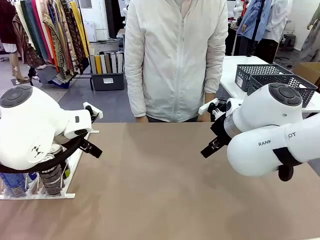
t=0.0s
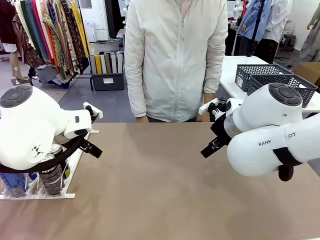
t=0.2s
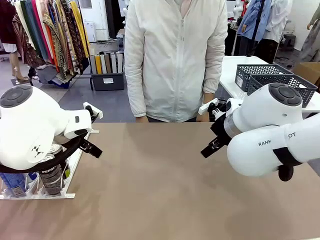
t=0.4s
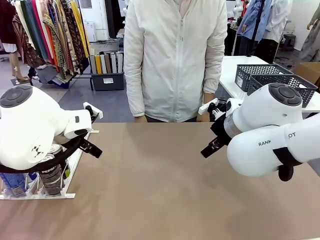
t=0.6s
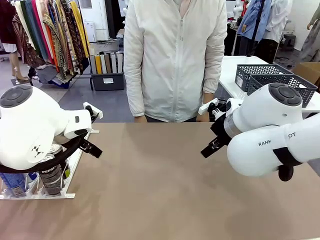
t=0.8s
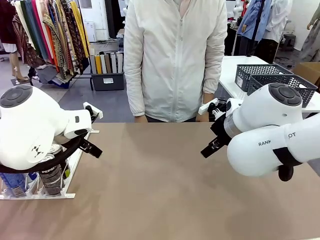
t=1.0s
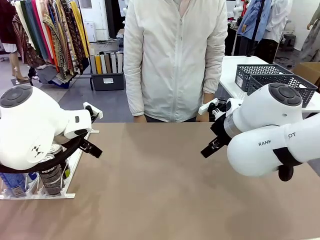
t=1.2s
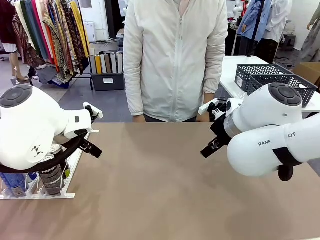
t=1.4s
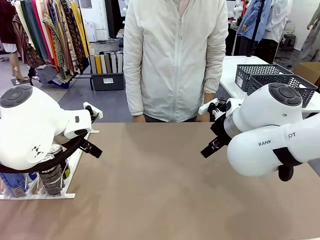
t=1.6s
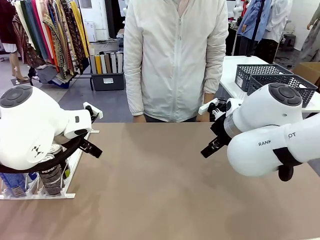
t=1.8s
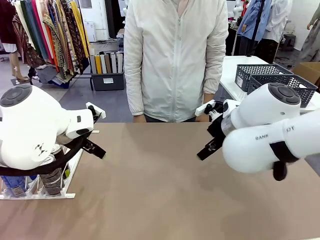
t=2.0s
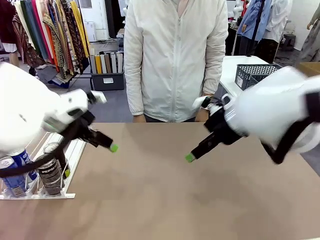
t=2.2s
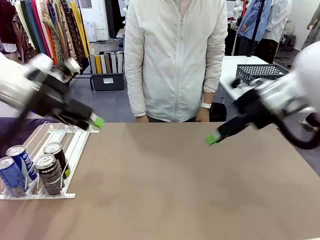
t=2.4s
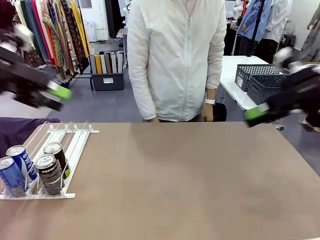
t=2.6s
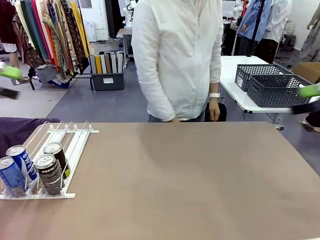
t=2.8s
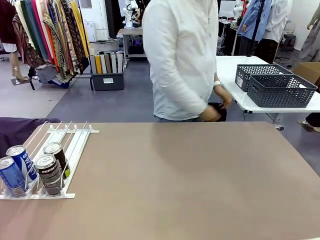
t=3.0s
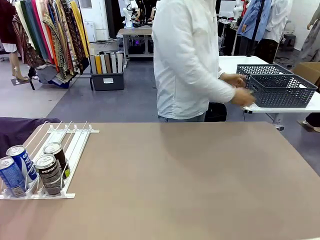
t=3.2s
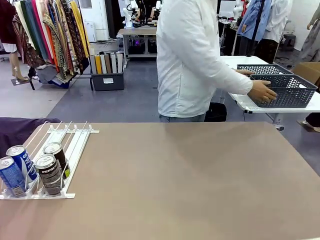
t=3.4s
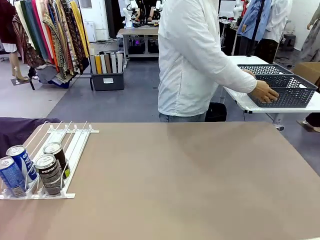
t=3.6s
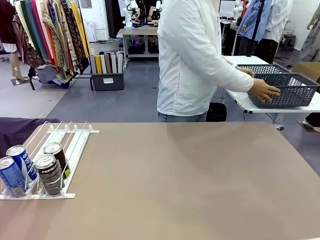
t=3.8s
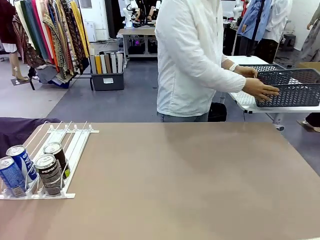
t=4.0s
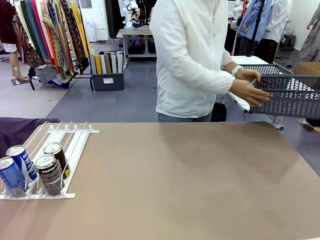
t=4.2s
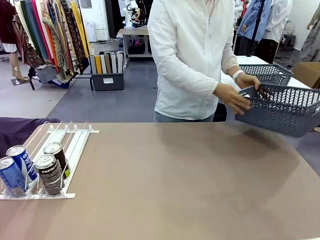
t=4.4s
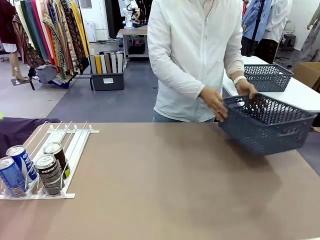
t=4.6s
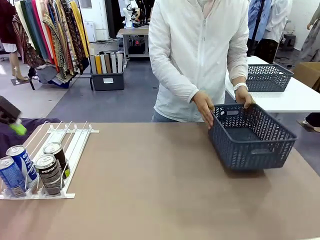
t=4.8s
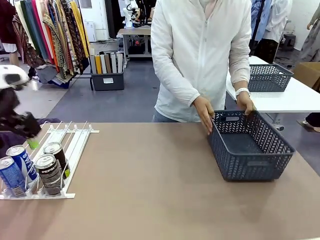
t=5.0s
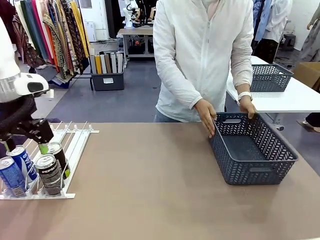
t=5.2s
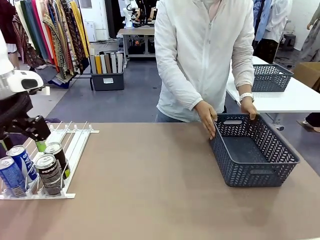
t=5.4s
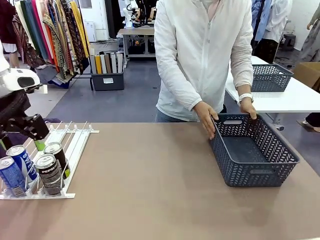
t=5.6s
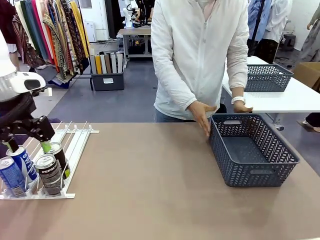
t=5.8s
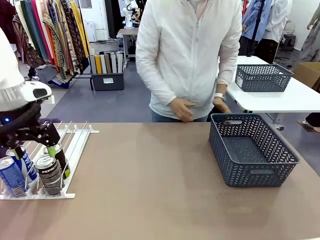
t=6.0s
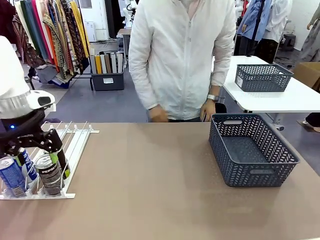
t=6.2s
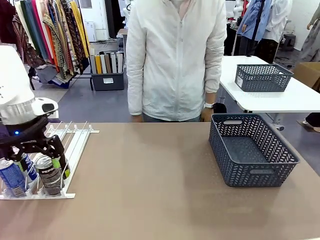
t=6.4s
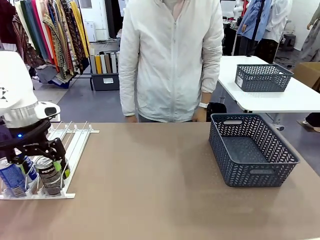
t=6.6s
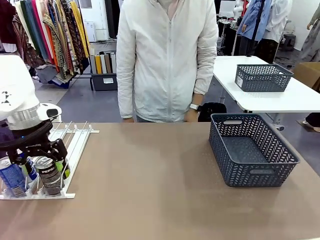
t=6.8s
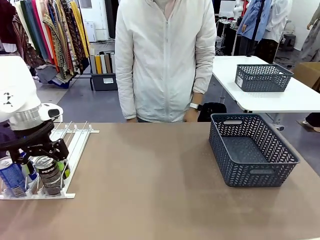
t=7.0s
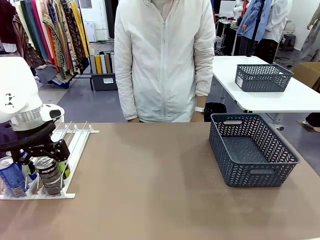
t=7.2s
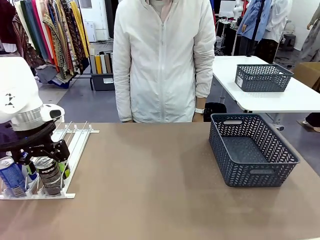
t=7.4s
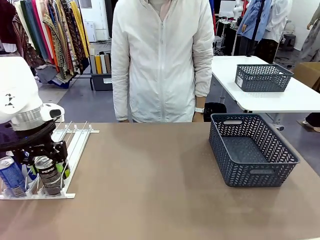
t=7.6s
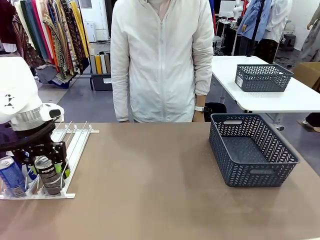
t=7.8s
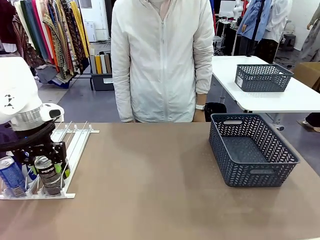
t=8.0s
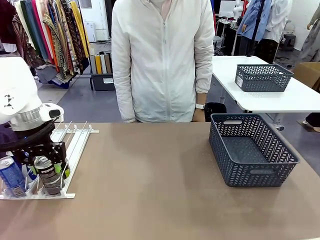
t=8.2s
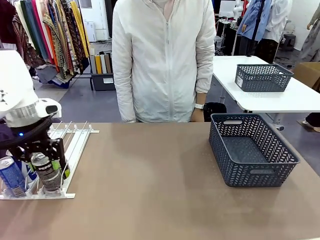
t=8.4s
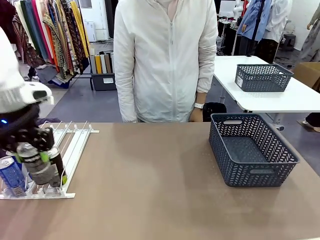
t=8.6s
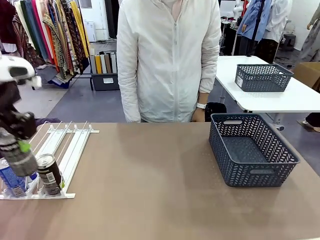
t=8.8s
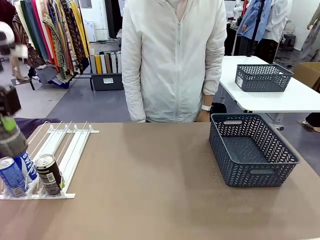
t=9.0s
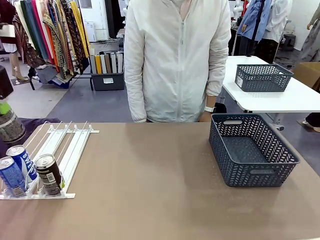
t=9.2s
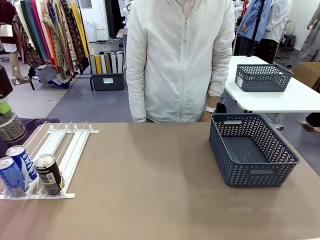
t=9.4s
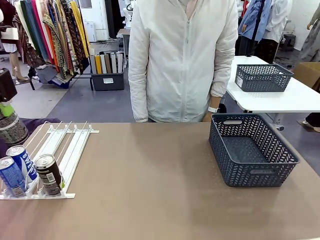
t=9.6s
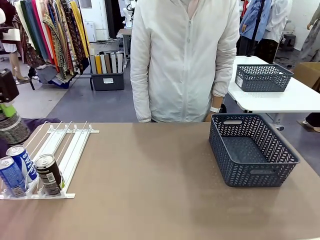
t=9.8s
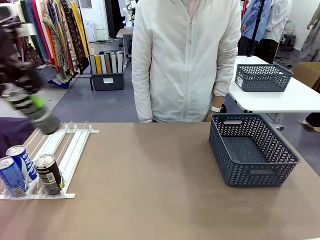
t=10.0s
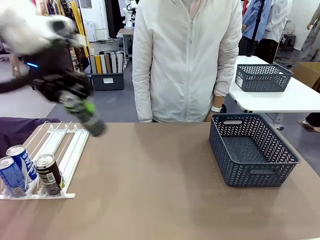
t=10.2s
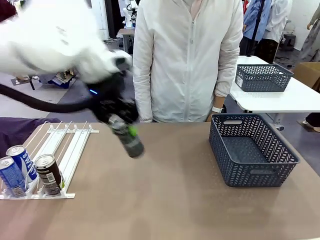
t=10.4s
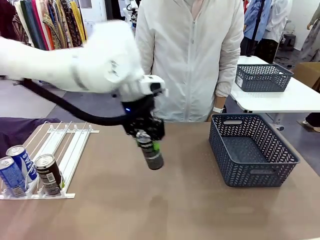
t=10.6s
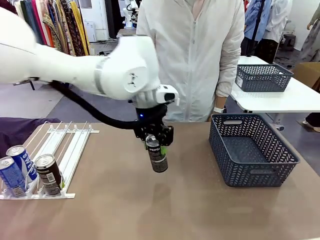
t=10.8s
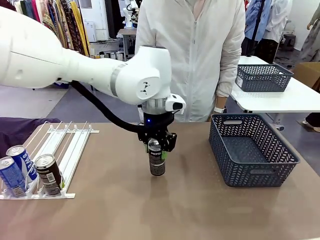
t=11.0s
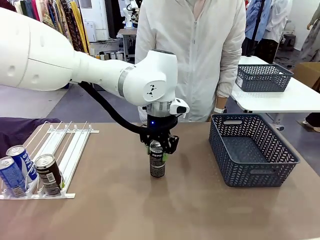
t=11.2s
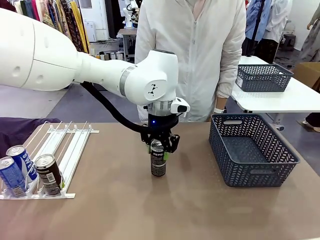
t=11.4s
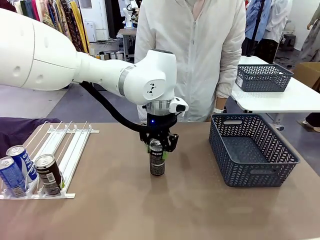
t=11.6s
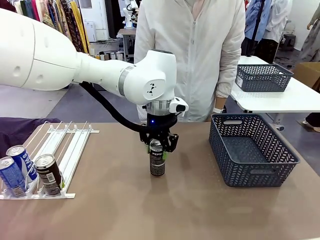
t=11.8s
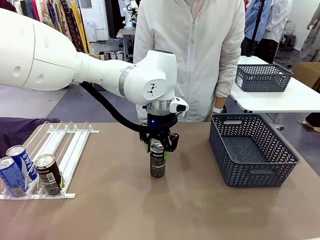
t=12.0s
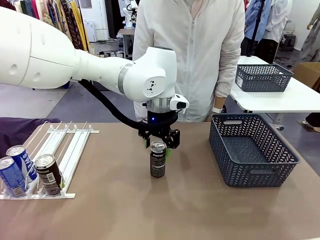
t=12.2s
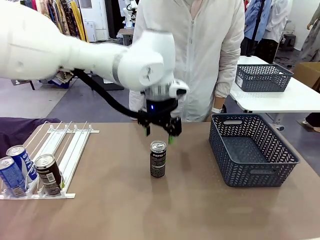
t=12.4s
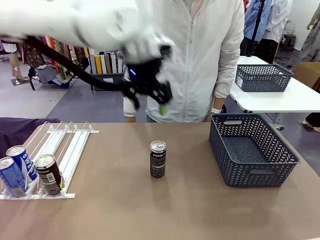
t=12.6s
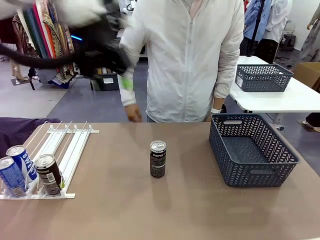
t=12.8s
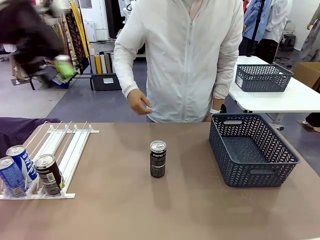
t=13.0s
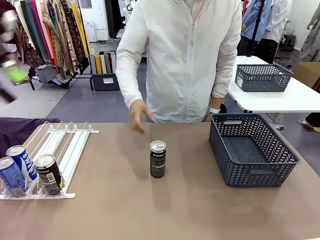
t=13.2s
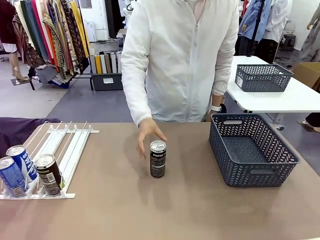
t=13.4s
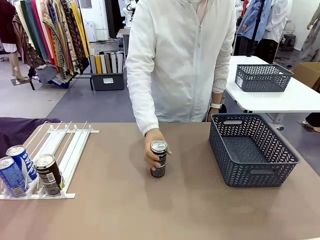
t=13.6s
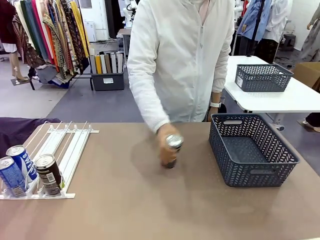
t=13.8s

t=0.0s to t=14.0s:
Task: Retrieve and store the cans from the dispenser.
Robot: Pick up one can from the Automatic Can Dispenser and place it in the middle of the table.
Person: Pick up the basket and place it on the left side of the robot table.

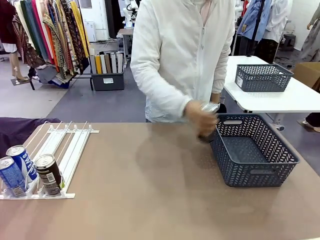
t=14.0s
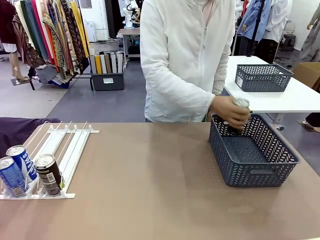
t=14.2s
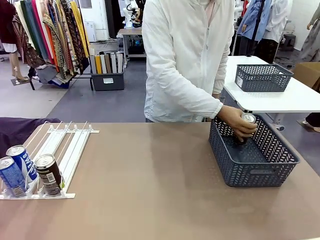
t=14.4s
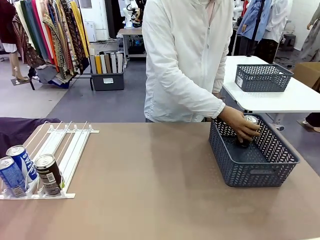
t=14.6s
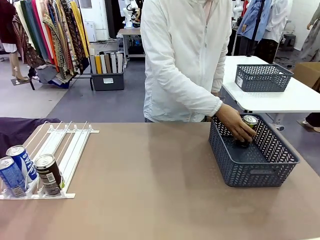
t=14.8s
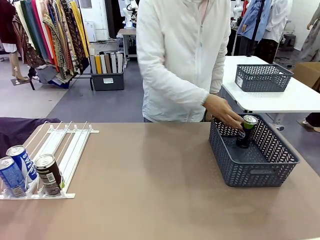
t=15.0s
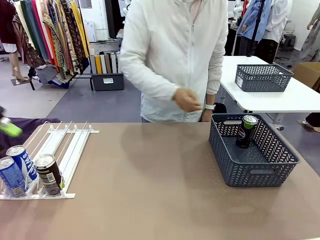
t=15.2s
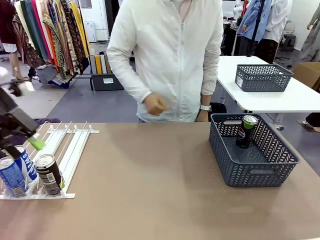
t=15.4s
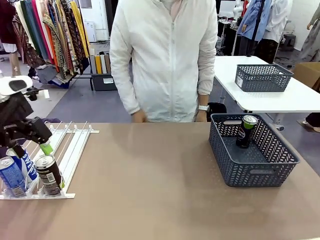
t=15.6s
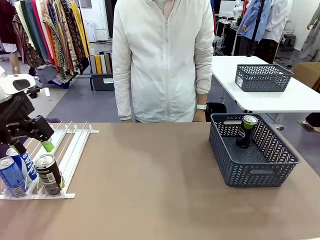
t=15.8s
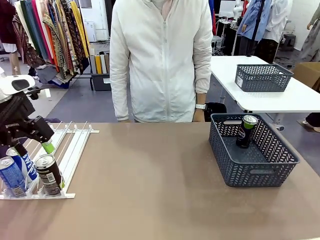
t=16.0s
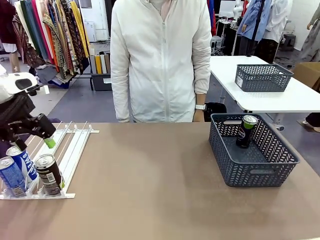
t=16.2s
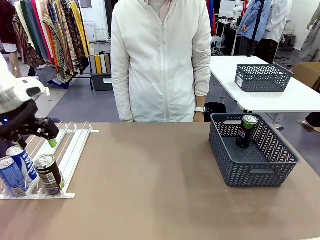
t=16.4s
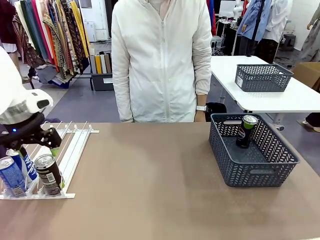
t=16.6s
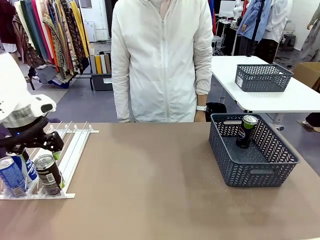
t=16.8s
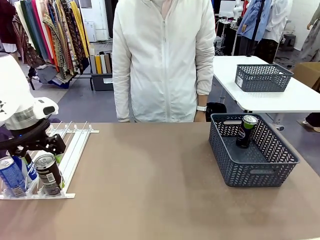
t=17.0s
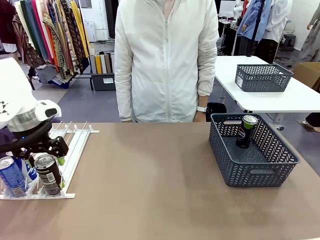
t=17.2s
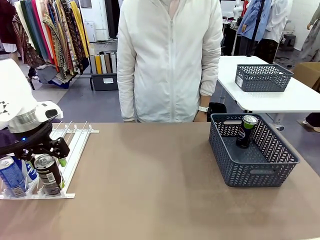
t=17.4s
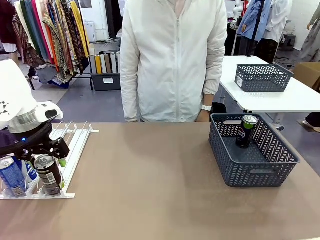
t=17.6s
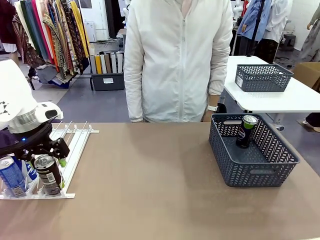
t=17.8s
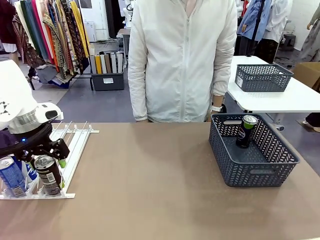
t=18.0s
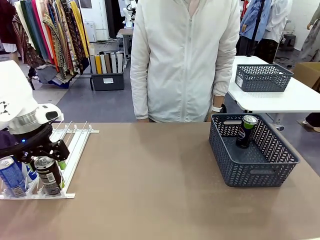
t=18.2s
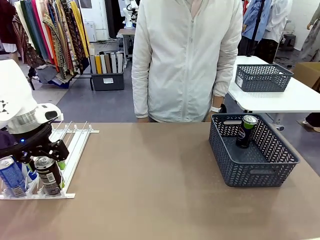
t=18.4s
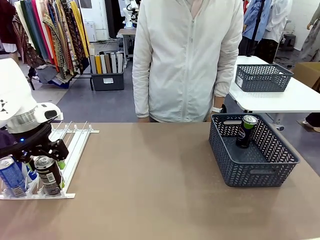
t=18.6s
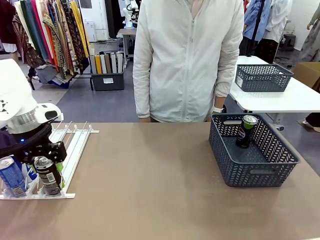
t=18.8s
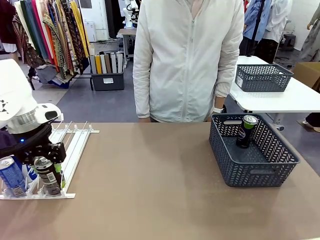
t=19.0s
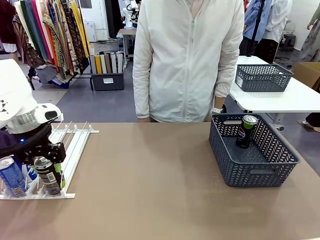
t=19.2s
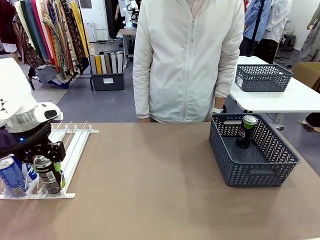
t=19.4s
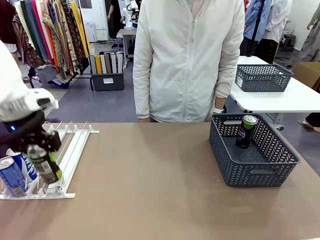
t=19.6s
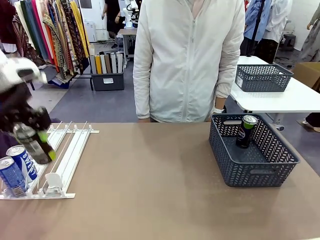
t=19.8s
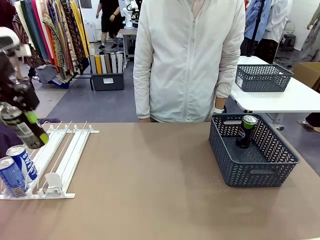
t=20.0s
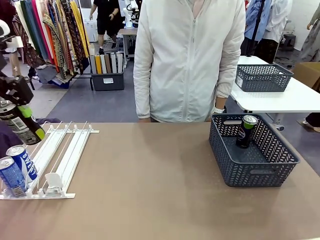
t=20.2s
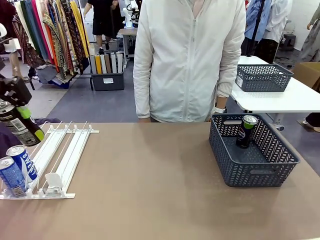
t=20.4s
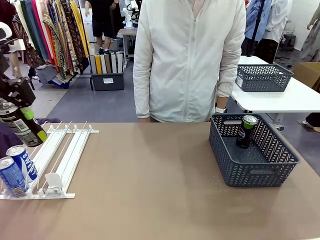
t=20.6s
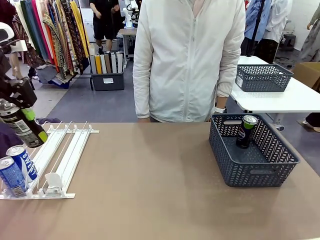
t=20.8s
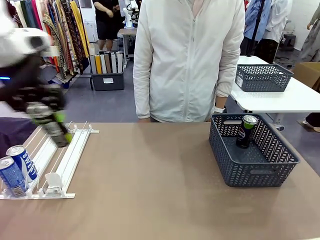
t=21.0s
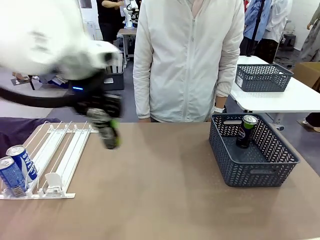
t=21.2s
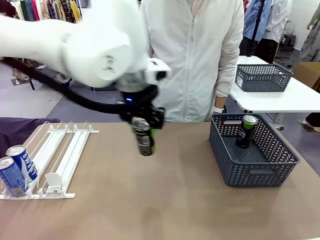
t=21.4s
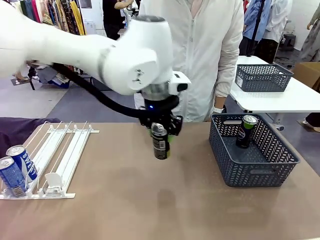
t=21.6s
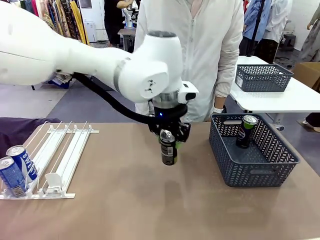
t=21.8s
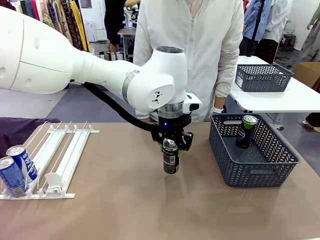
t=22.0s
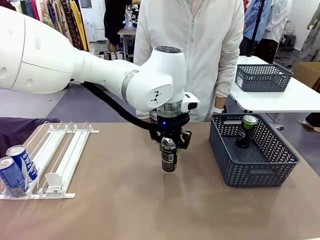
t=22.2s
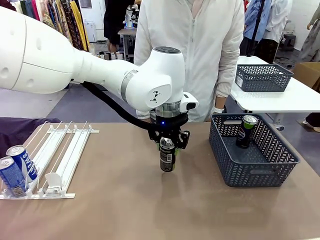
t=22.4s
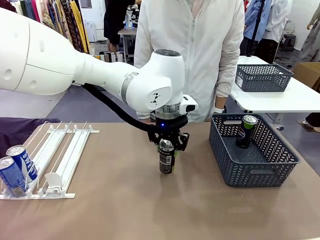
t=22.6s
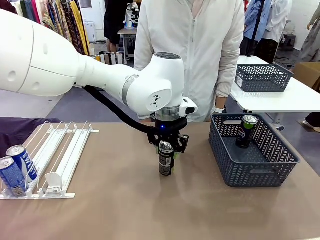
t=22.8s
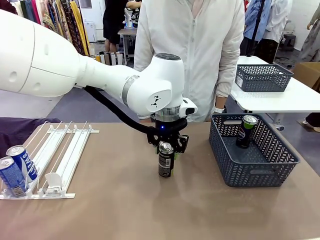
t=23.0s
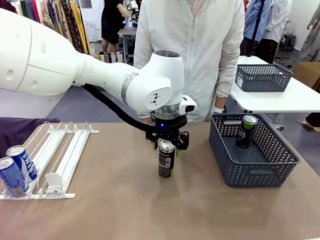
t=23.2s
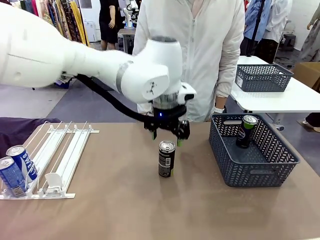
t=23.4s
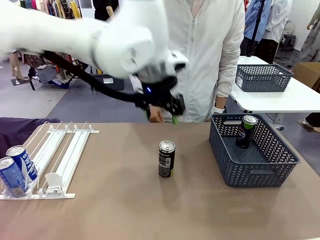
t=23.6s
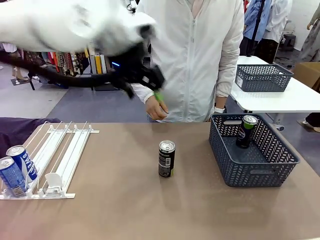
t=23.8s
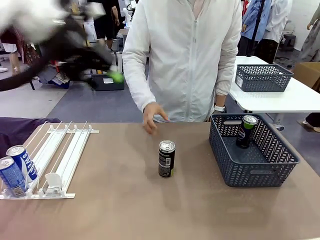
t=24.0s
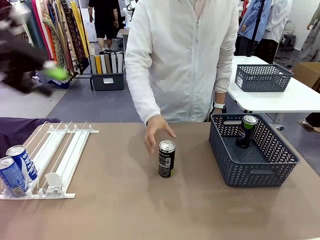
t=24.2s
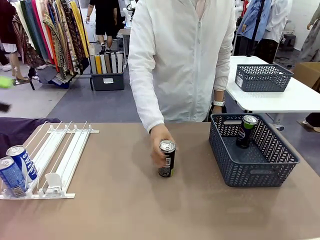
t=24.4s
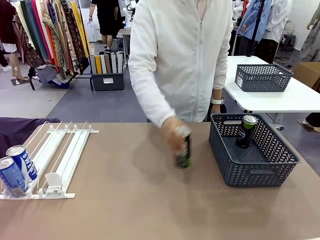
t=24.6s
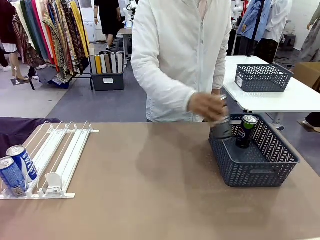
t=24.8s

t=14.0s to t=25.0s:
Robot: Pick up the last remaining can from one row of the Automatic Can Dispenser and place it in the middle of the table.
Person: Pick up one Pepsi can from the middle of the robot table and place it in the basket.
